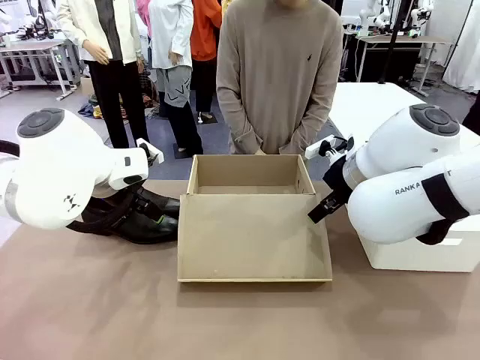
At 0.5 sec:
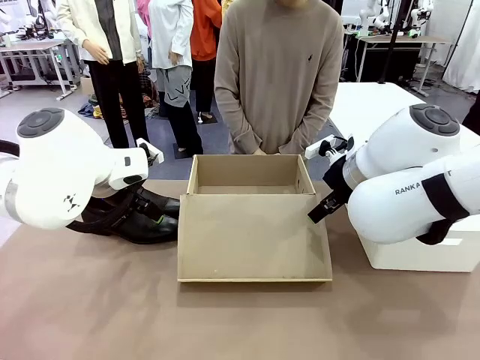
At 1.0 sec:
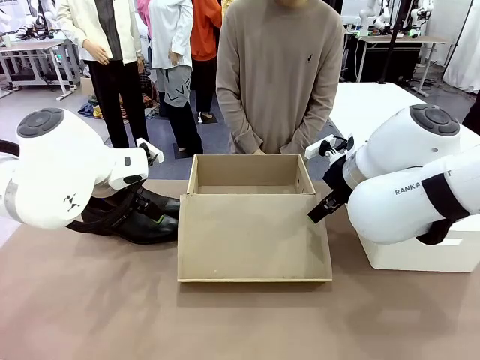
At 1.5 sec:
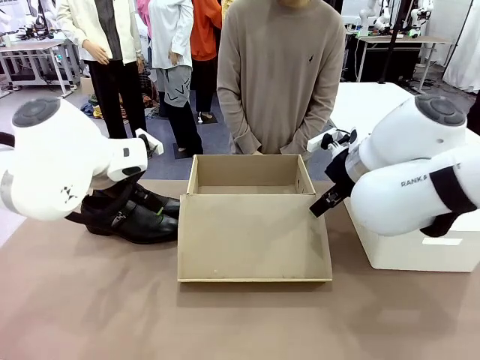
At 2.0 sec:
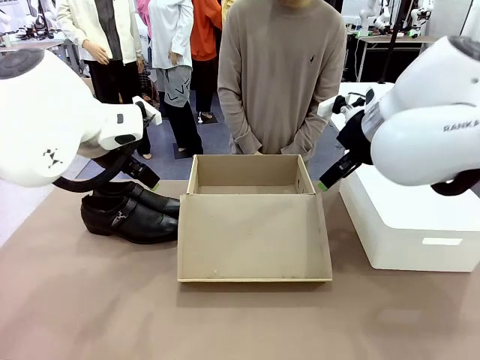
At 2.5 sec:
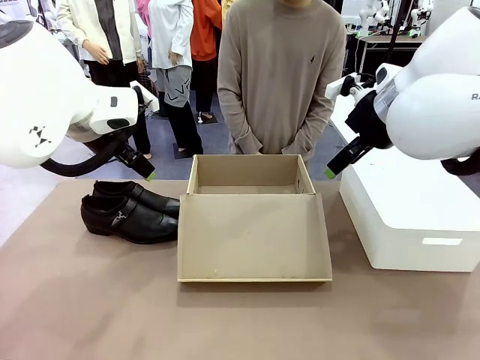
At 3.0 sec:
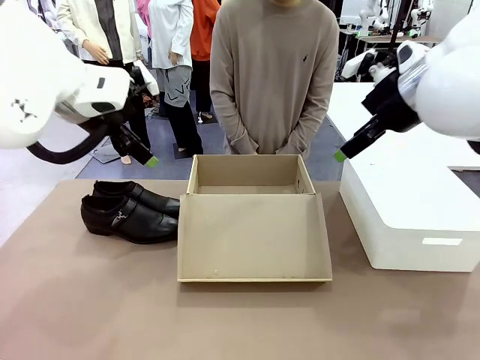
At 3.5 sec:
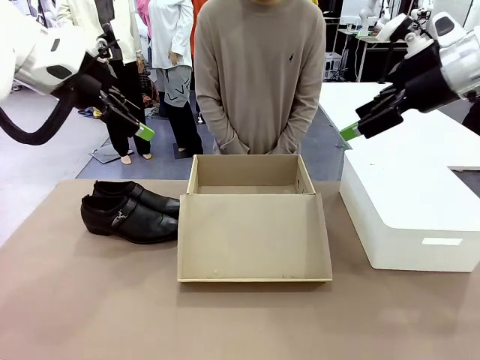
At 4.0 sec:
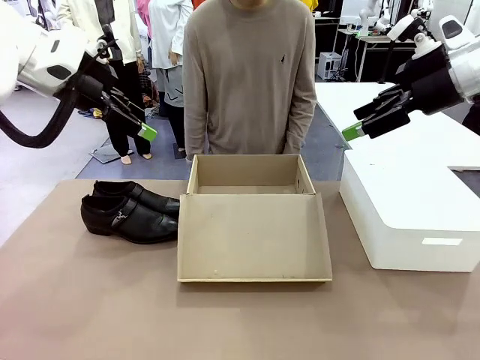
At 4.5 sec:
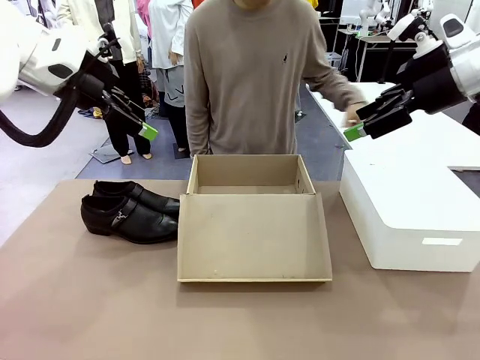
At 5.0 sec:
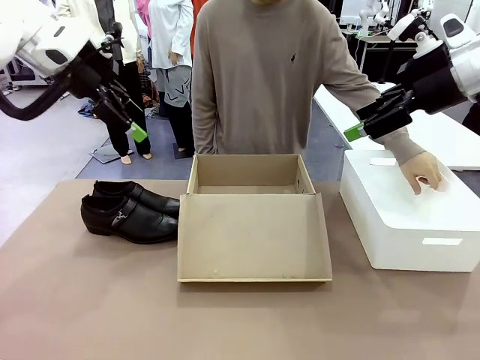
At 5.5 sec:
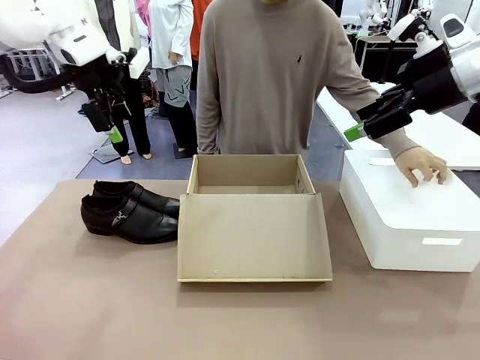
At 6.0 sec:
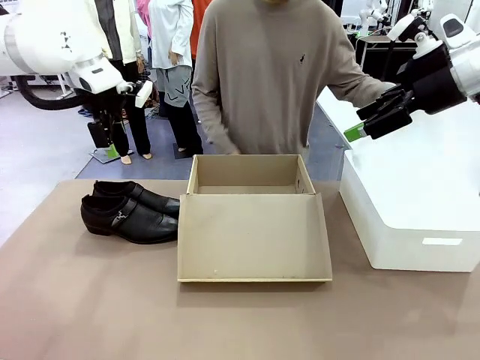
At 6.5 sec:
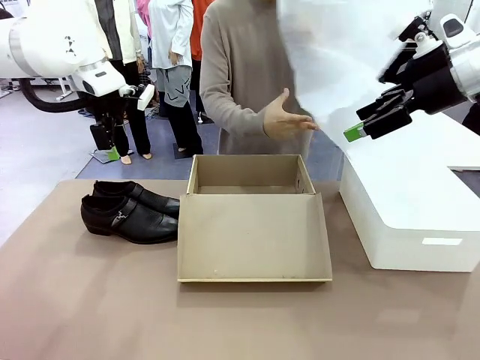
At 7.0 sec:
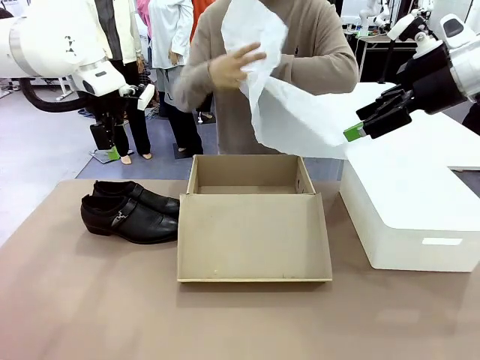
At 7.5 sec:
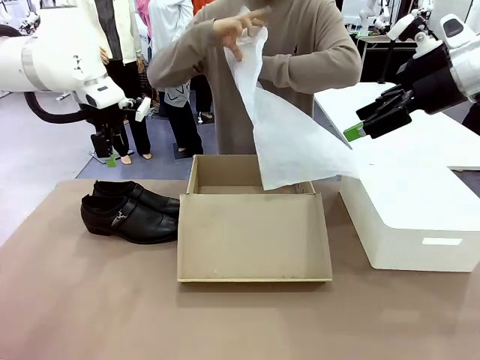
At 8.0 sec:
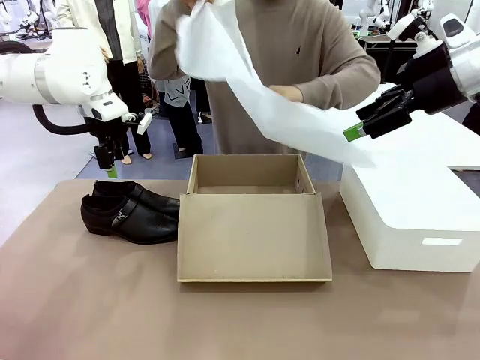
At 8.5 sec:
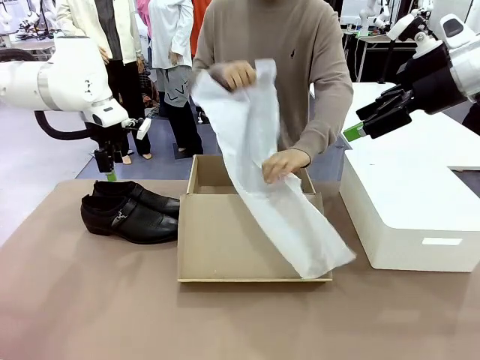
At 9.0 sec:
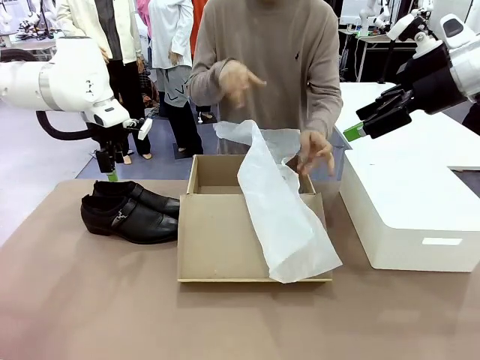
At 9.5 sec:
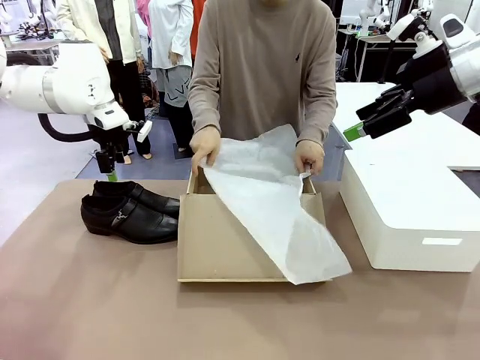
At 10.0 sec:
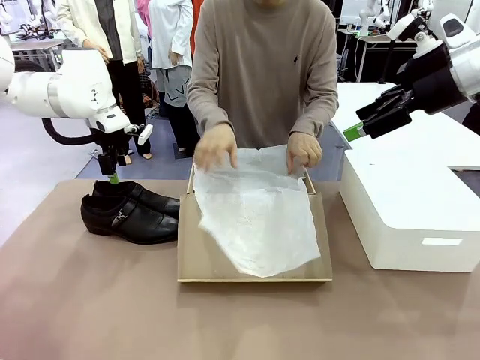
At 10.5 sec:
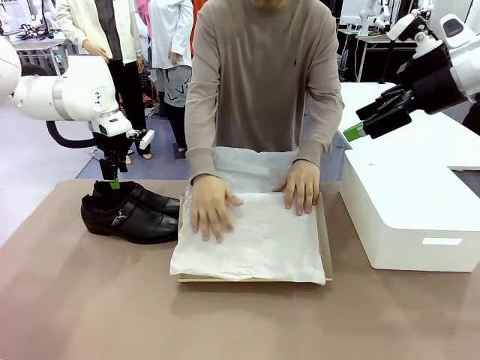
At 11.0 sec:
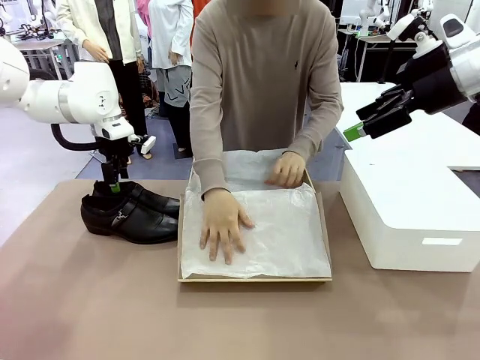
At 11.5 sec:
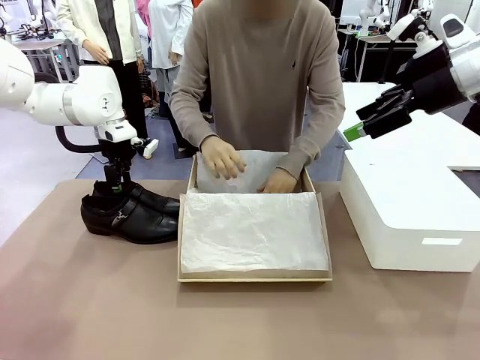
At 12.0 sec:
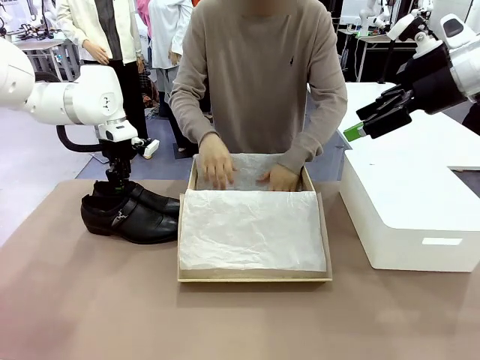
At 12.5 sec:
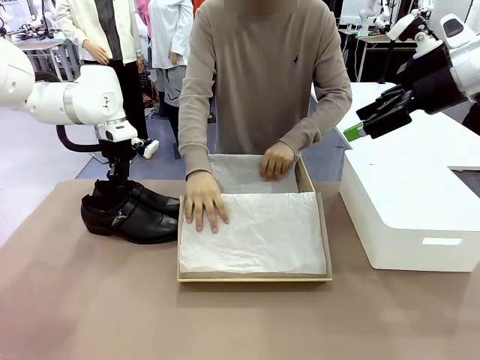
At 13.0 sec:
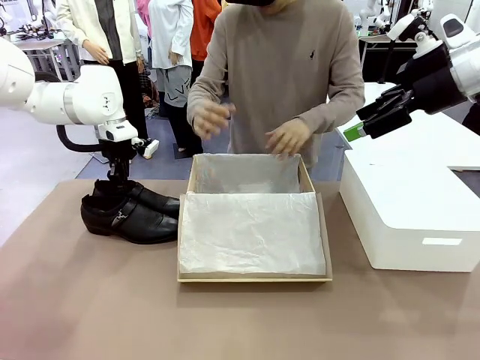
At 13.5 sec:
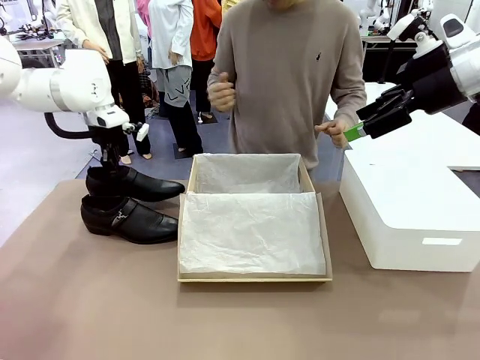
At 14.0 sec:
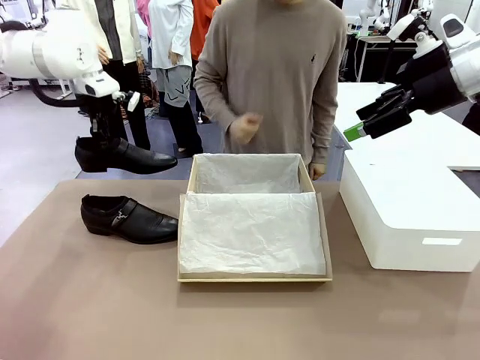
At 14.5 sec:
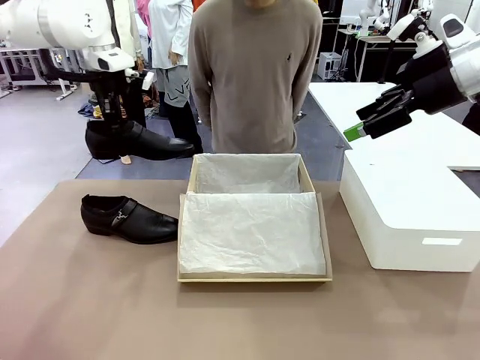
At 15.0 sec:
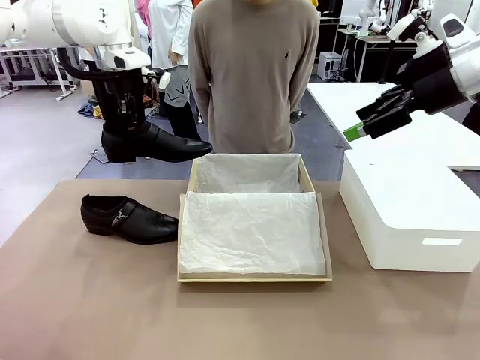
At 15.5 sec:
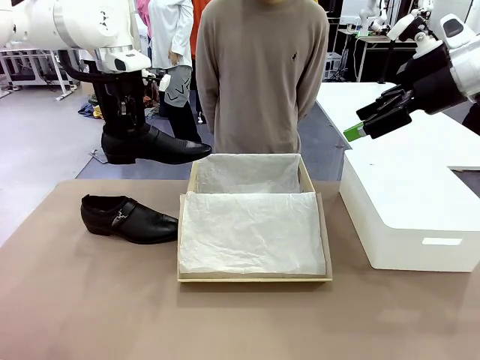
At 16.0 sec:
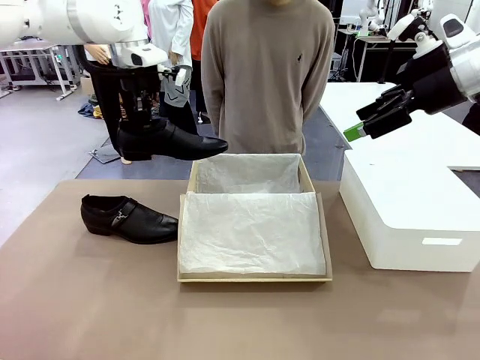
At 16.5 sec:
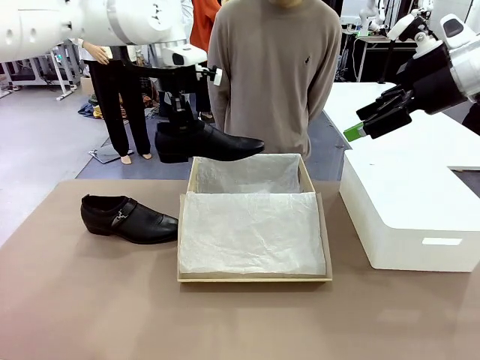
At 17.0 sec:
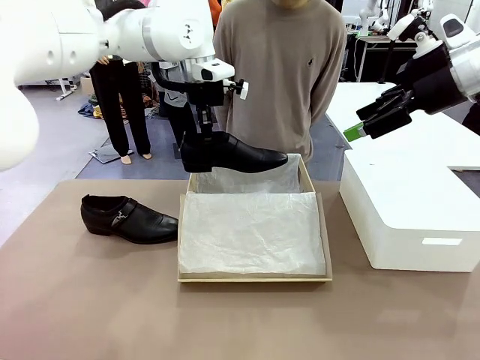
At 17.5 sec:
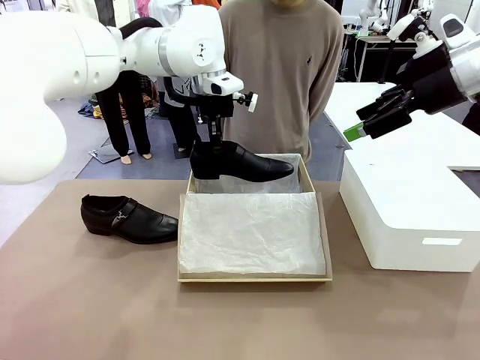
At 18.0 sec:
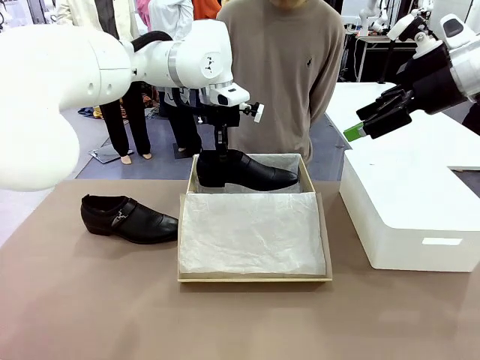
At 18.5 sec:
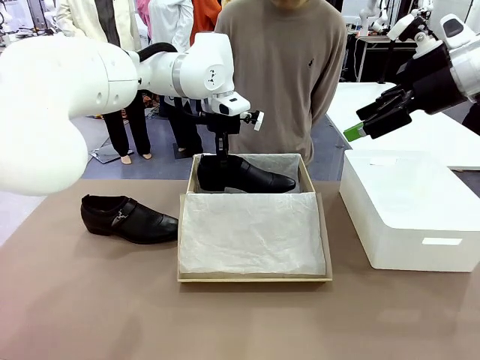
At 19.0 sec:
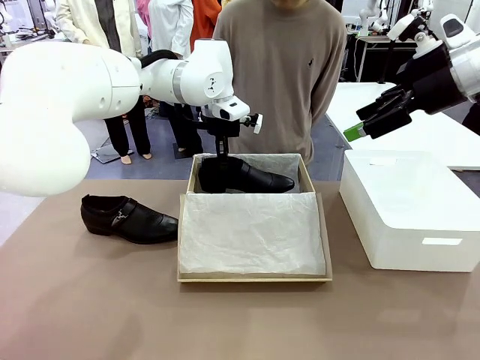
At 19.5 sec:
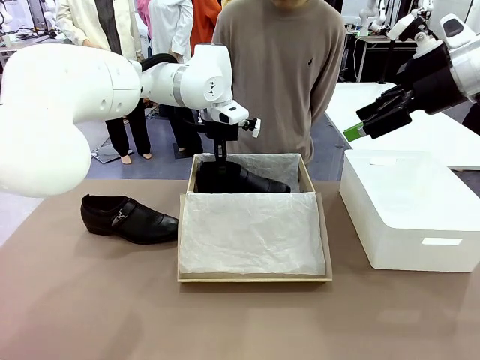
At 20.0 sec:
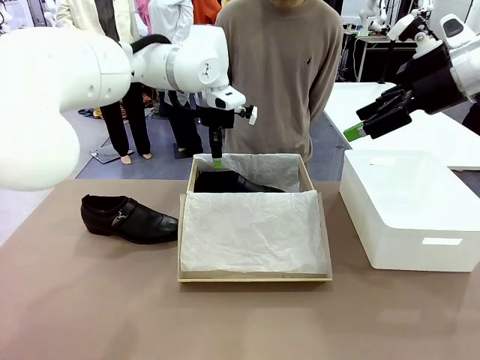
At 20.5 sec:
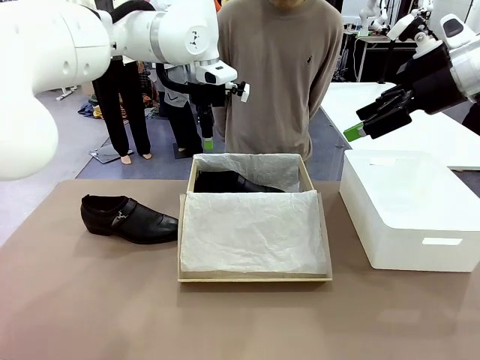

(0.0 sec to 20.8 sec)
Task: Pack the shoes into the box.
Robot: Place one shoe of the Shoes into the Shoes Box.
Person: Spread Shoes Wrapping Paper and place inside the Shoes Box.
